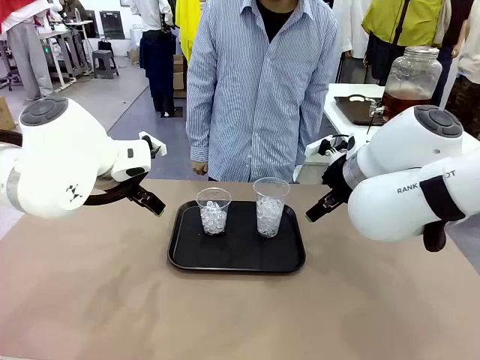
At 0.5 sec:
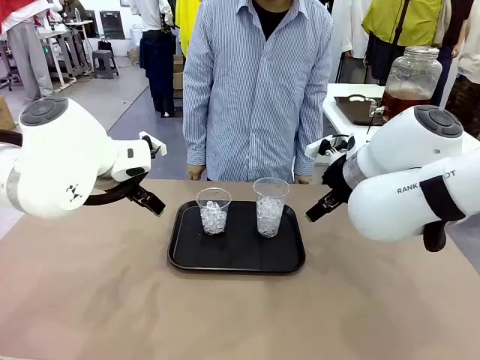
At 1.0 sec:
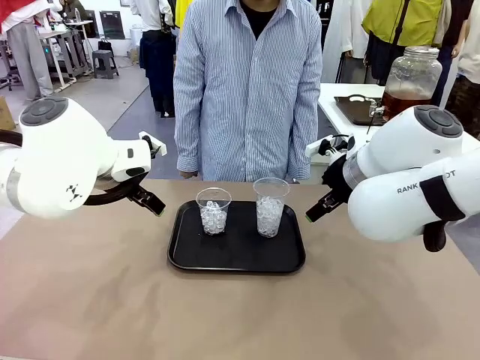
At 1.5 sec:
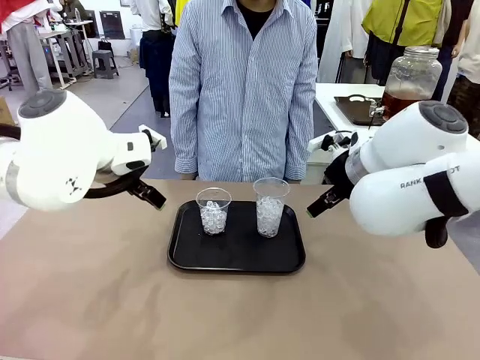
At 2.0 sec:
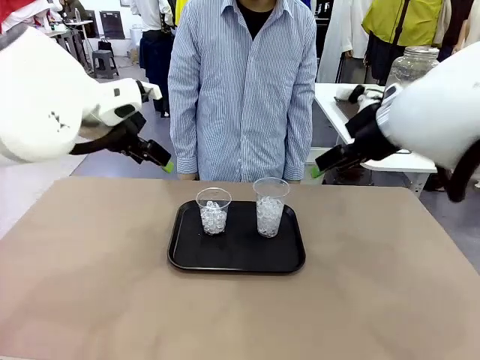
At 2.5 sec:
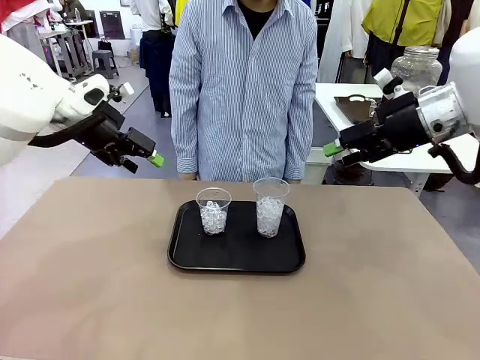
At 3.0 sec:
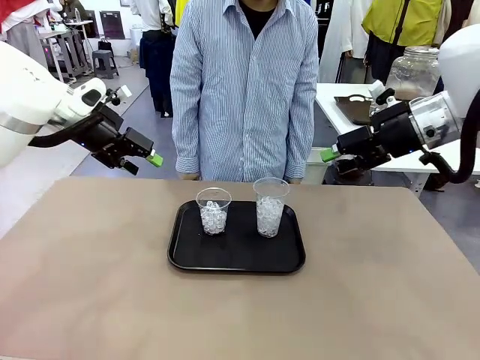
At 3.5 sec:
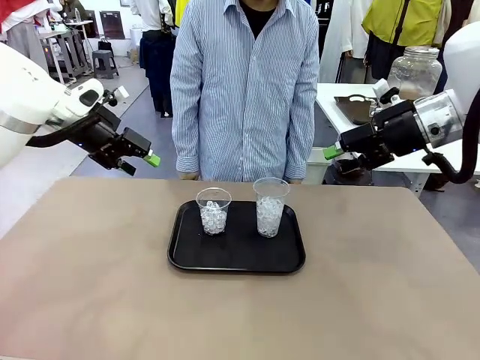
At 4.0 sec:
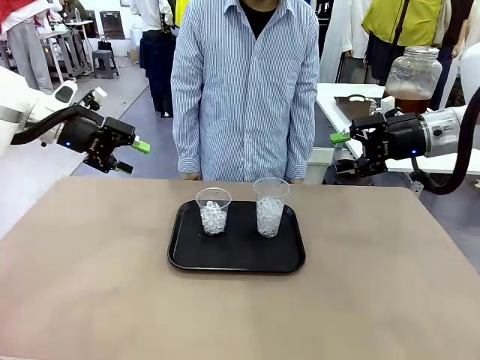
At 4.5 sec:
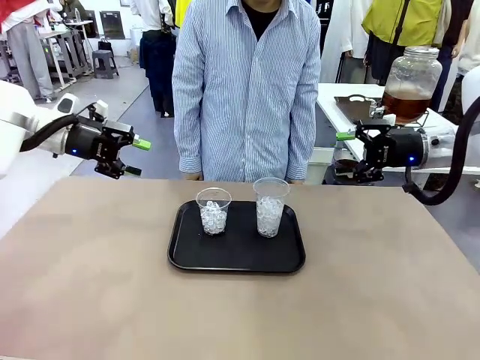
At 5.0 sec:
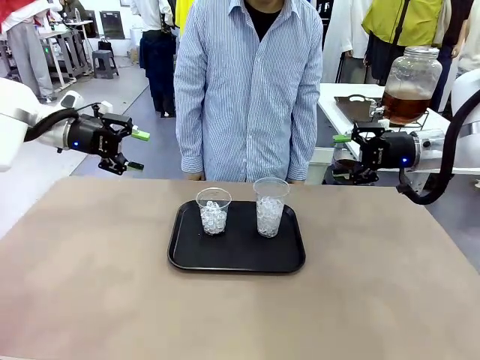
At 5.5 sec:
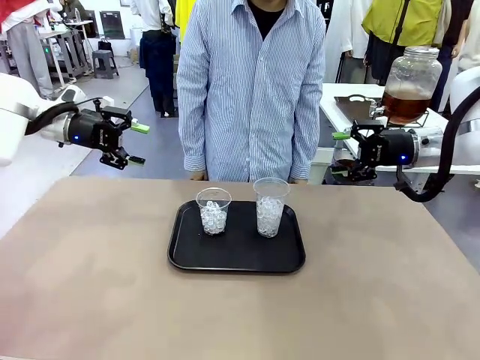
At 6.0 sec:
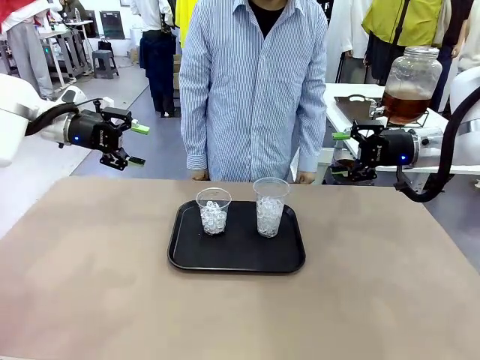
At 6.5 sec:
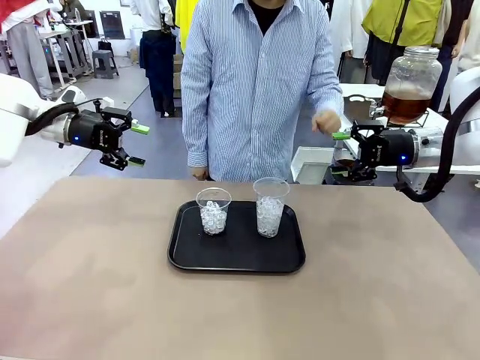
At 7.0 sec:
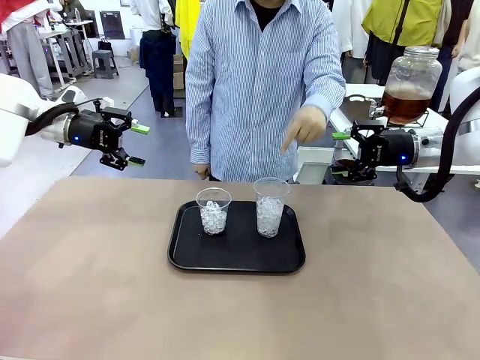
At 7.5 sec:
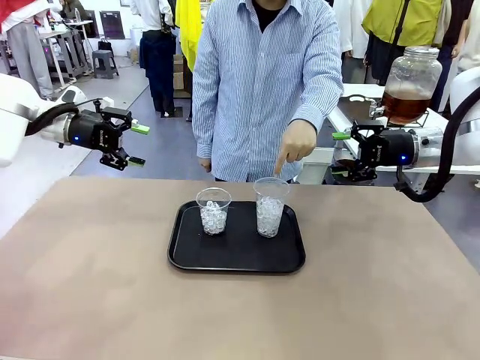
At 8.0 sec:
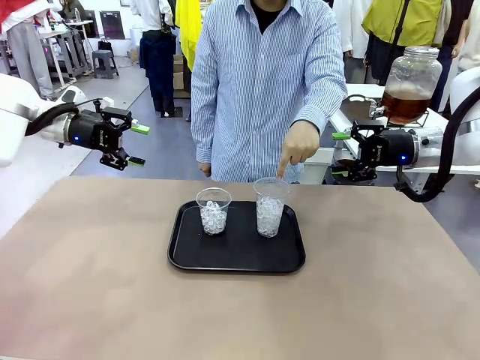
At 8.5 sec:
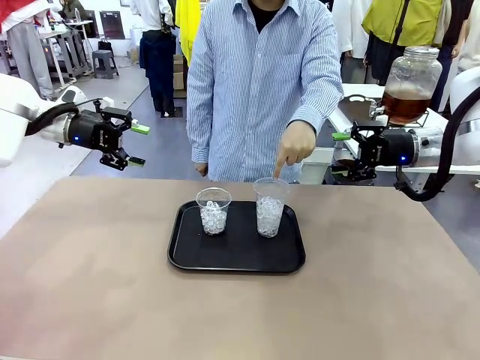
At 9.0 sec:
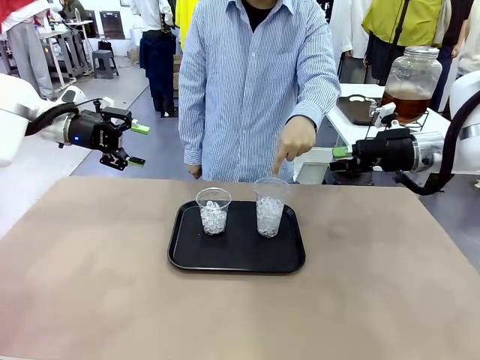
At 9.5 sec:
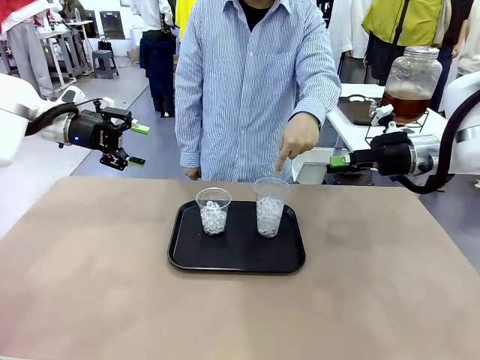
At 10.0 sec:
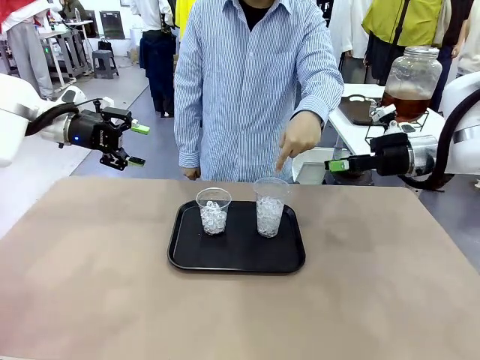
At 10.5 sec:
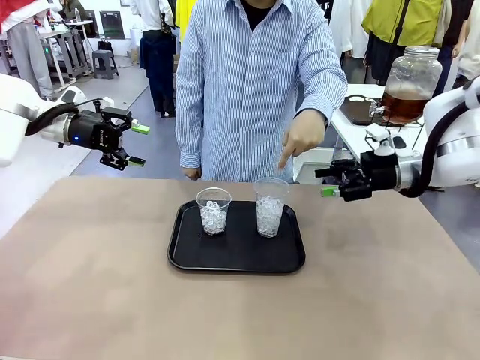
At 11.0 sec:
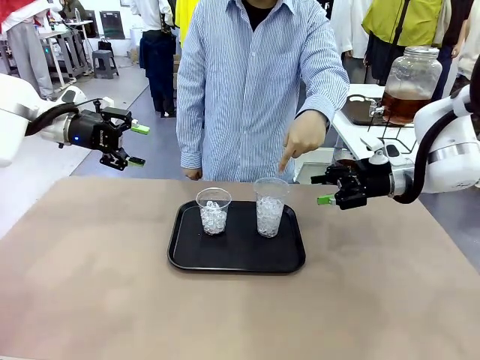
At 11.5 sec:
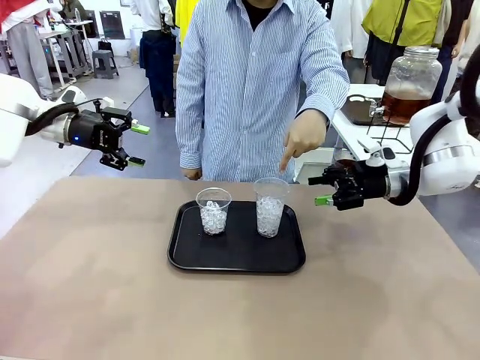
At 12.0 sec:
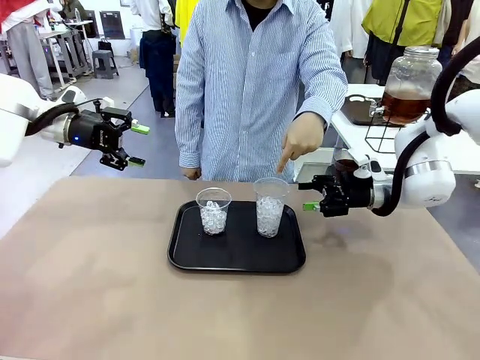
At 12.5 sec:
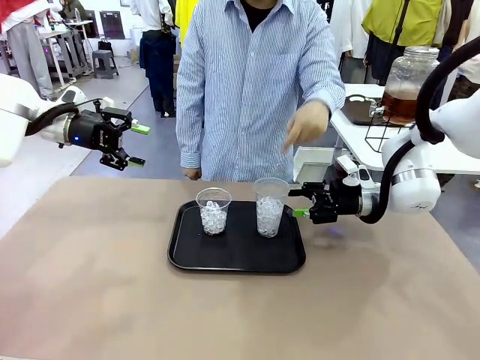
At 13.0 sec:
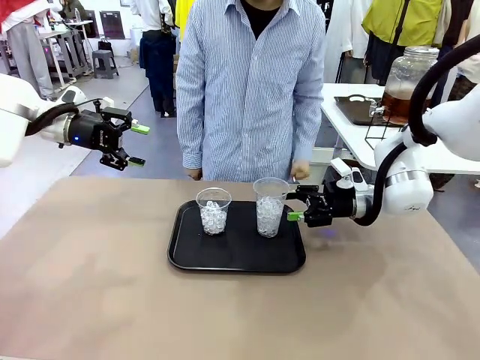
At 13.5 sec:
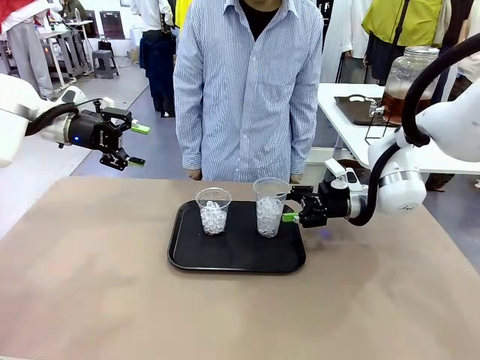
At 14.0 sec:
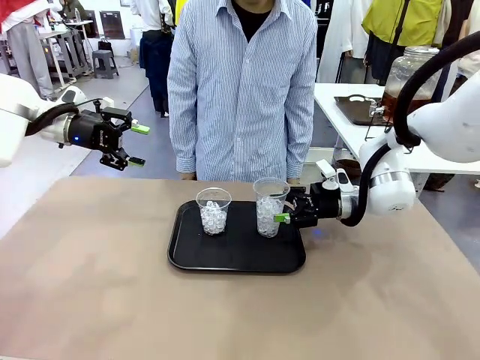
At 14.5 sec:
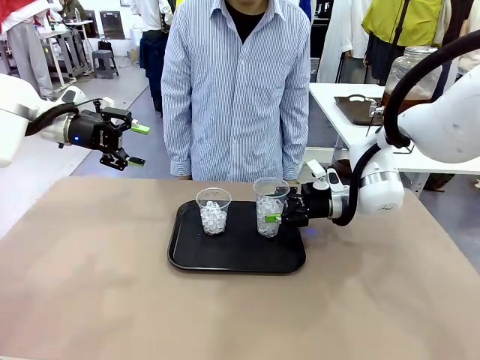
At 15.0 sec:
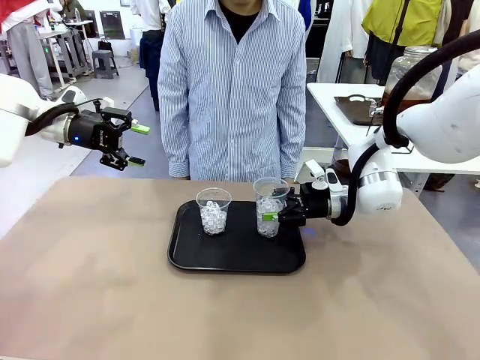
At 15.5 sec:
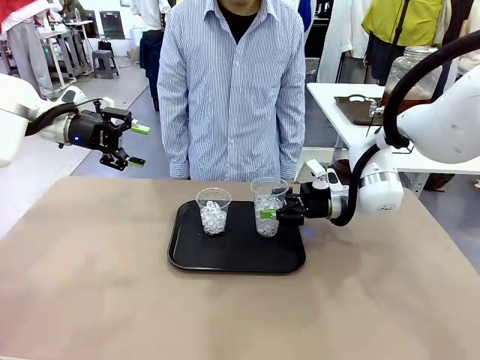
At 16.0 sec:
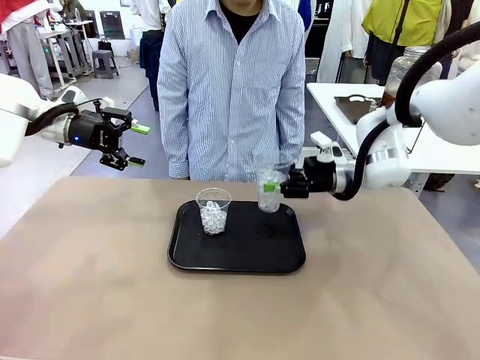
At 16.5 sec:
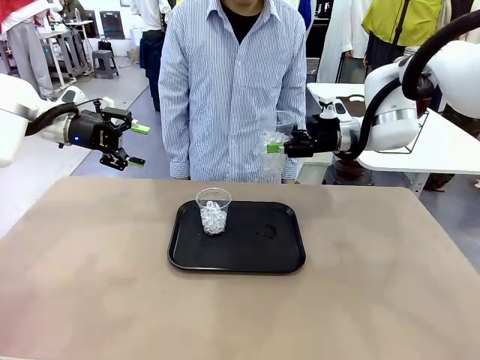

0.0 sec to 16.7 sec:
Task: Pour the drink into the iced cup.
Robot: Pick up the iced cup indicated by the human and present it to them.
Person: Point to one of the two ice cups. Pick up the cup offered by the robot.

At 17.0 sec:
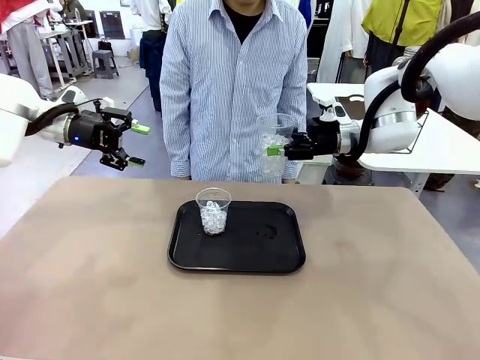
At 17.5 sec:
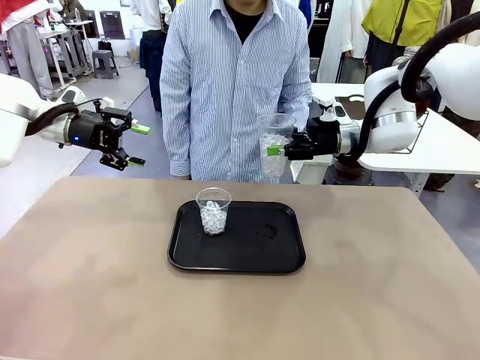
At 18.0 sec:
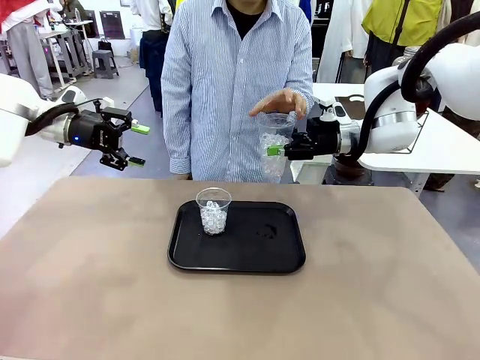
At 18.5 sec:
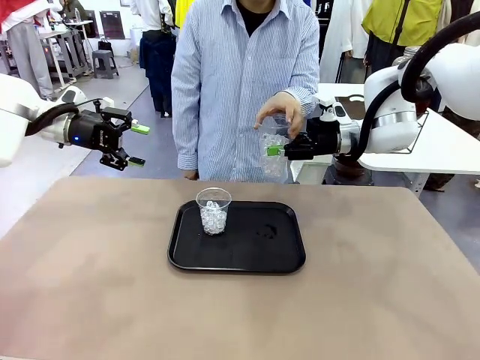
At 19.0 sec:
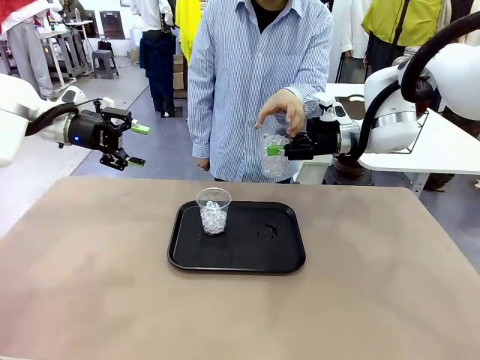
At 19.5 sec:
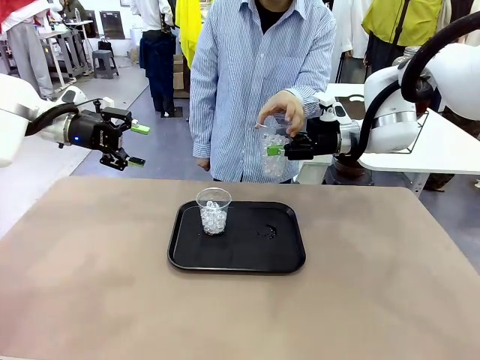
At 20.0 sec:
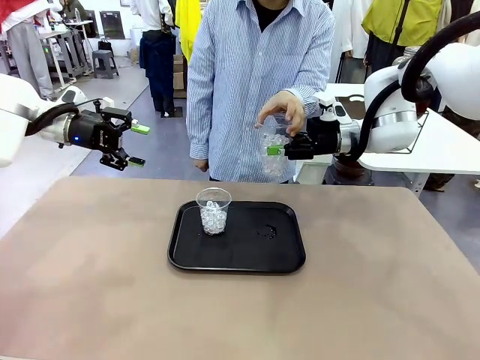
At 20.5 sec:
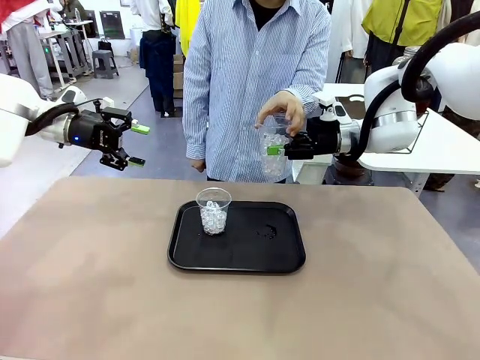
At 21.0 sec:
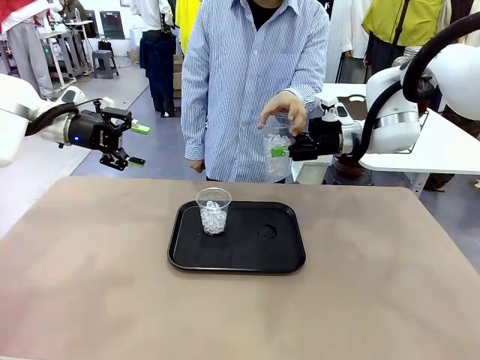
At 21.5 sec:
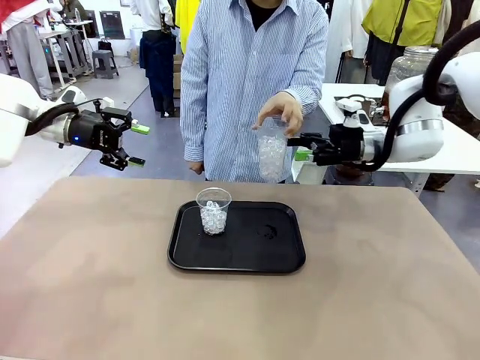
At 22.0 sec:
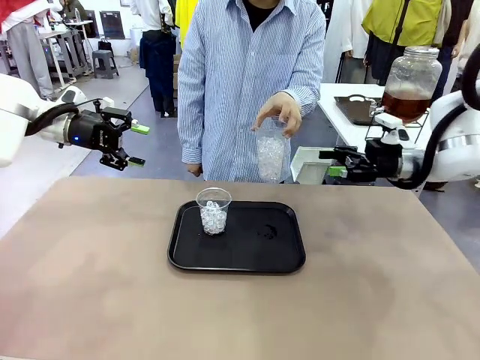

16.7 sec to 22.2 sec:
Robot: Open the gripper to release the iced cup you were holding.

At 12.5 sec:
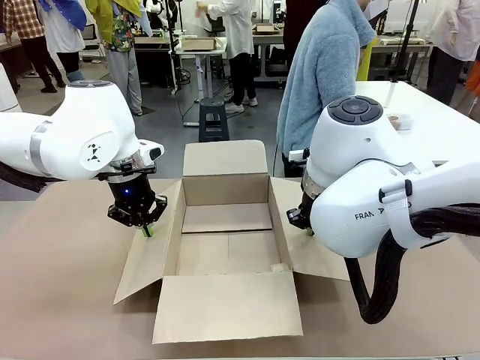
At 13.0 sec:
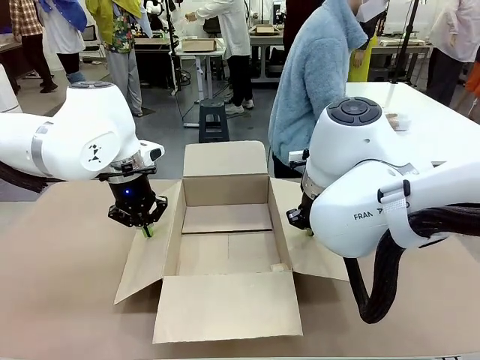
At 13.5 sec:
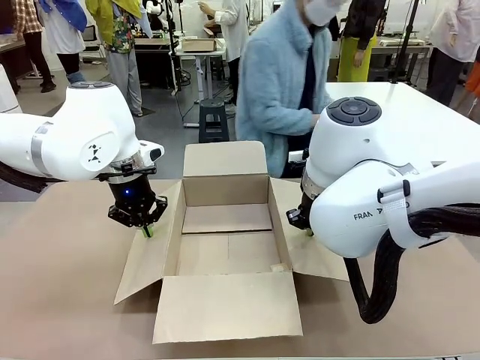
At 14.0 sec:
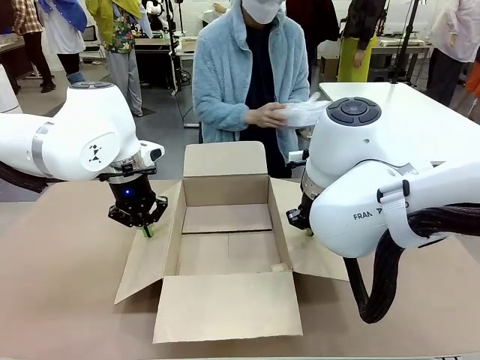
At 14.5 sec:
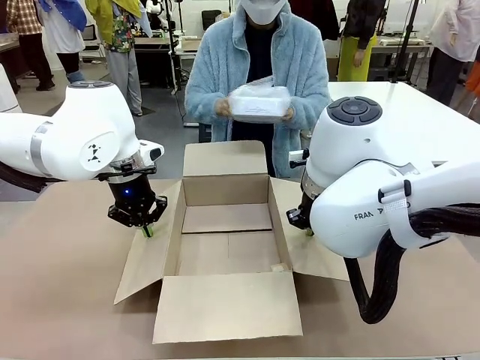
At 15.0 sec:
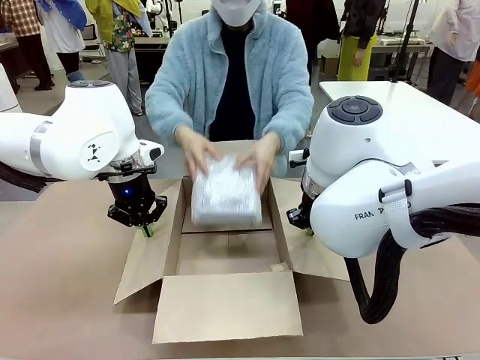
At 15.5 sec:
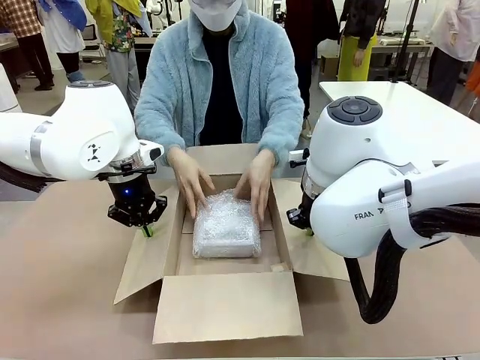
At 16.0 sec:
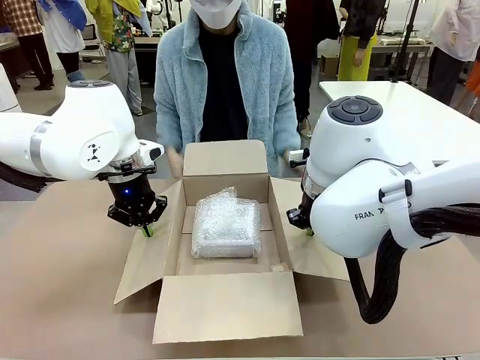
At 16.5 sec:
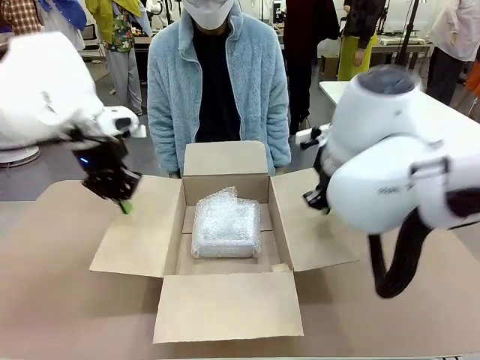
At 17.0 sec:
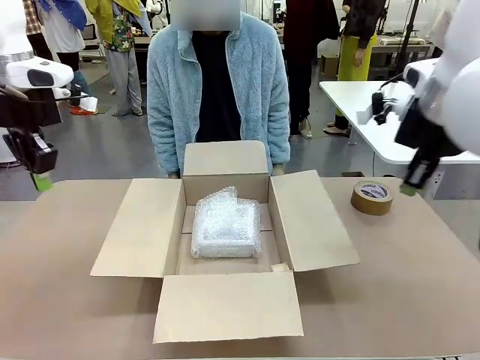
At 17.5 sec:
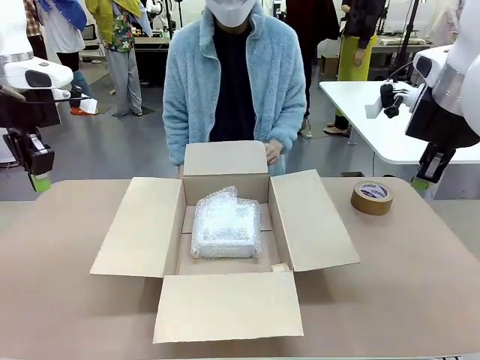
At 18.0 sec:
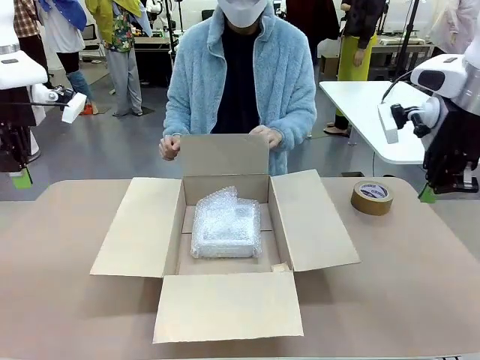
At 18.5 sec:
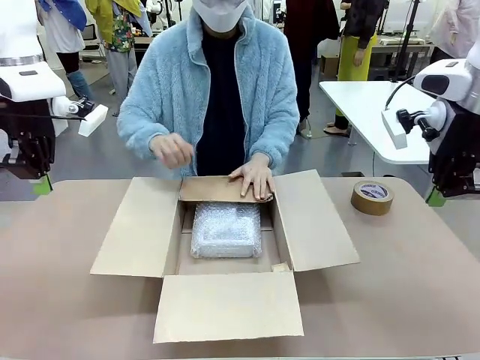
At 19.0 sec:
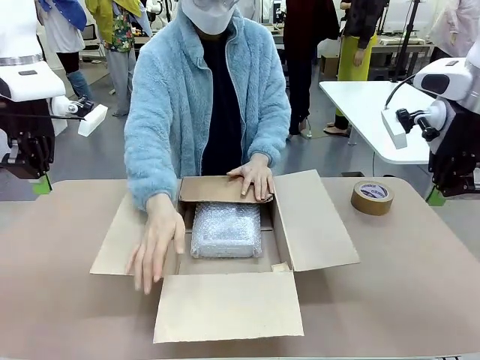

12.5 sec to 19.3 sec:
Task: Wrap the clocks to prevent damage.
Robot: Once the human has placed the objects inside and stepped back, release both hands from the side flaps of the Package Box.
Person: Place the wrapped Digital clocks inside the Package Box. Hold the top and bottom flaps of the Package Box closed with your left (or right) hand.
